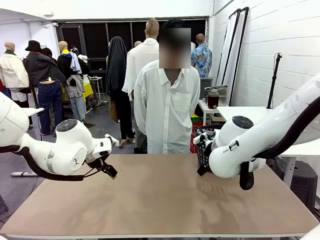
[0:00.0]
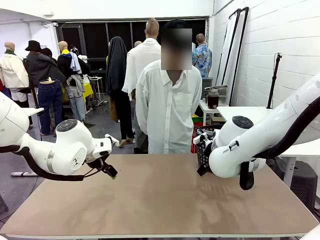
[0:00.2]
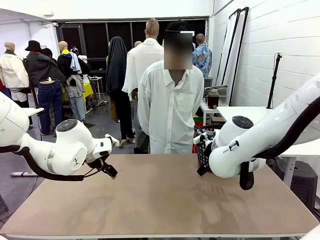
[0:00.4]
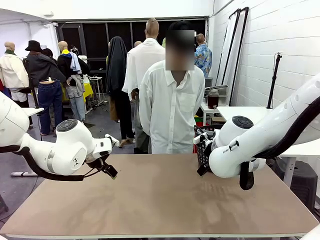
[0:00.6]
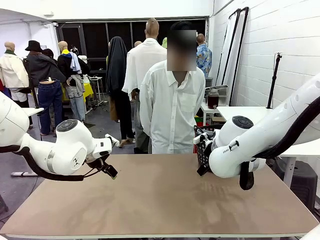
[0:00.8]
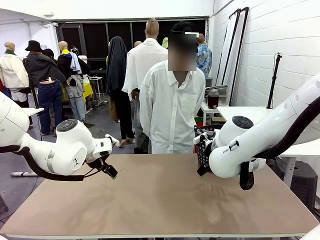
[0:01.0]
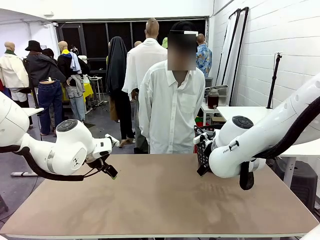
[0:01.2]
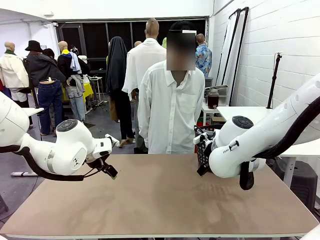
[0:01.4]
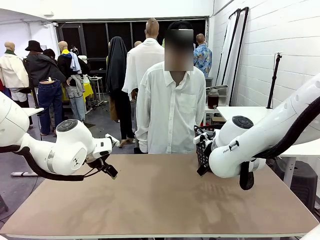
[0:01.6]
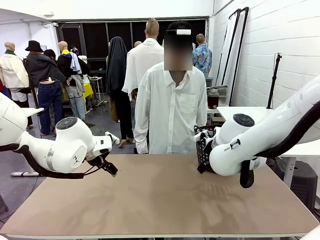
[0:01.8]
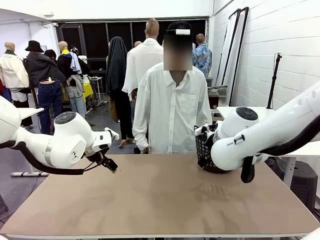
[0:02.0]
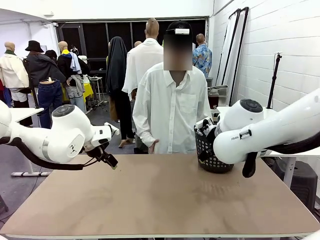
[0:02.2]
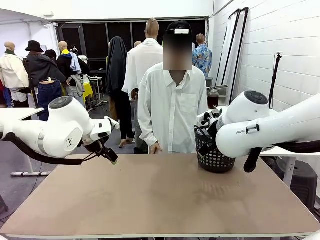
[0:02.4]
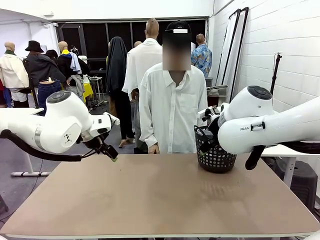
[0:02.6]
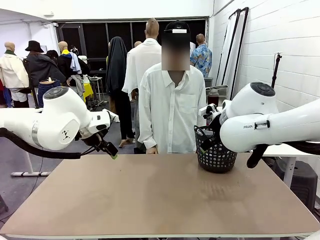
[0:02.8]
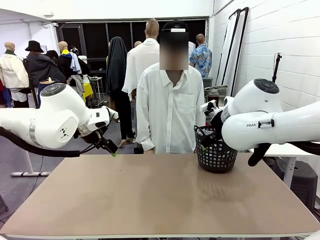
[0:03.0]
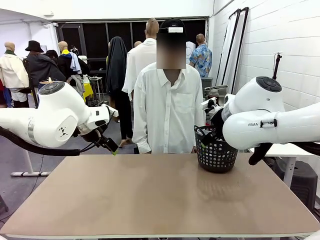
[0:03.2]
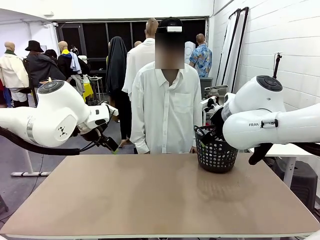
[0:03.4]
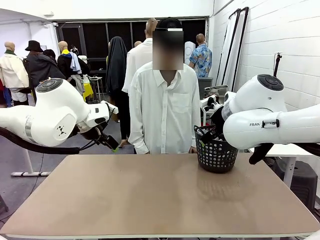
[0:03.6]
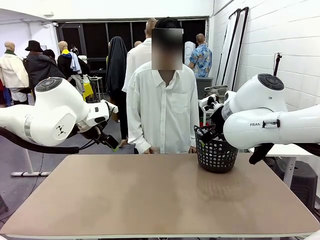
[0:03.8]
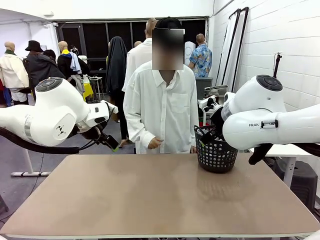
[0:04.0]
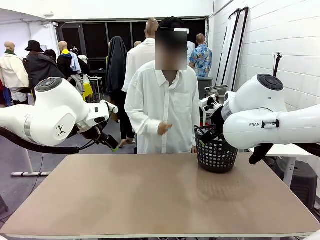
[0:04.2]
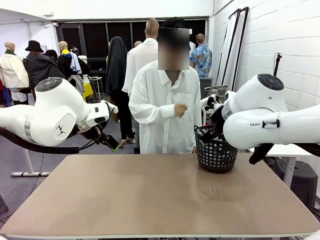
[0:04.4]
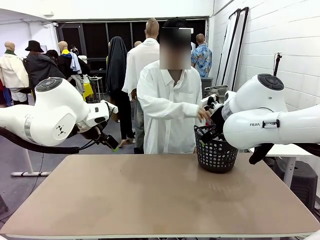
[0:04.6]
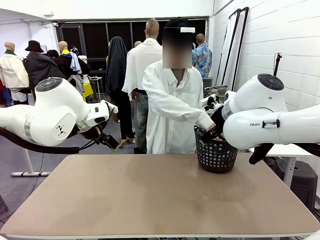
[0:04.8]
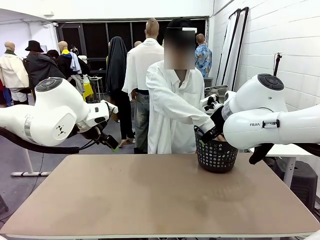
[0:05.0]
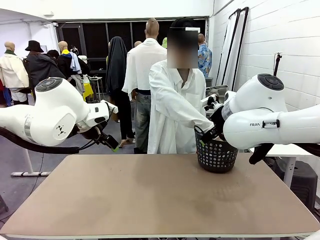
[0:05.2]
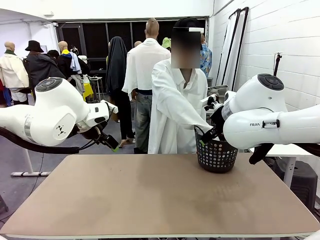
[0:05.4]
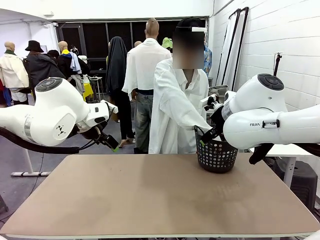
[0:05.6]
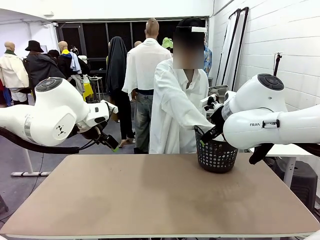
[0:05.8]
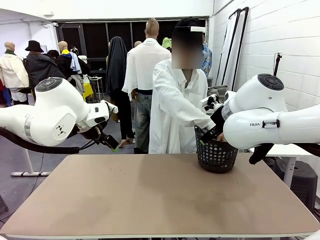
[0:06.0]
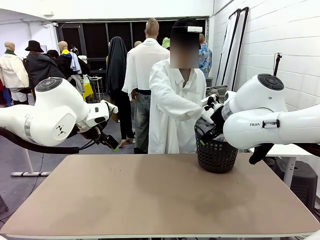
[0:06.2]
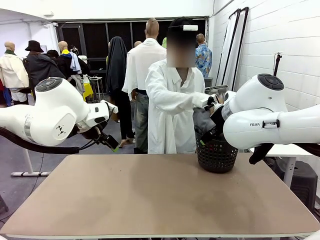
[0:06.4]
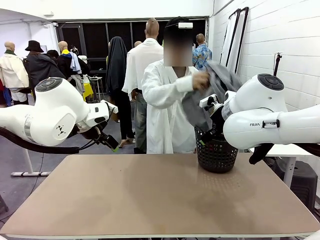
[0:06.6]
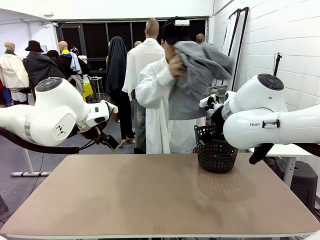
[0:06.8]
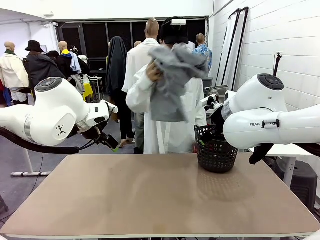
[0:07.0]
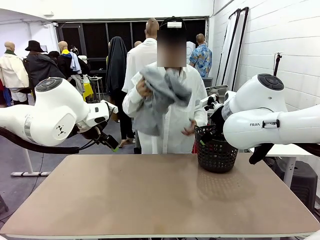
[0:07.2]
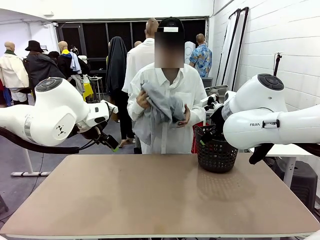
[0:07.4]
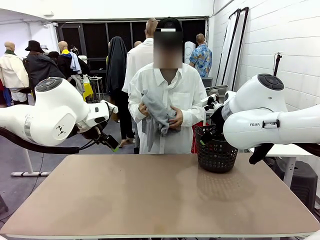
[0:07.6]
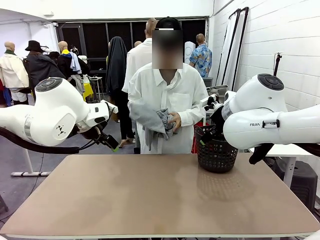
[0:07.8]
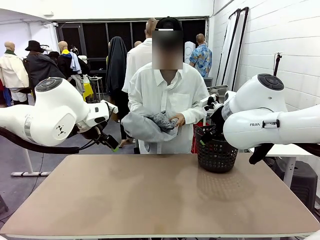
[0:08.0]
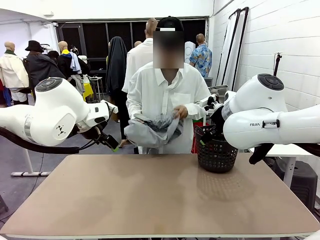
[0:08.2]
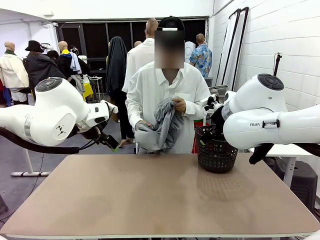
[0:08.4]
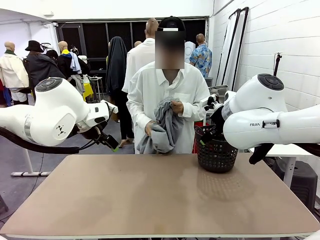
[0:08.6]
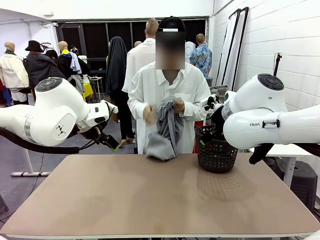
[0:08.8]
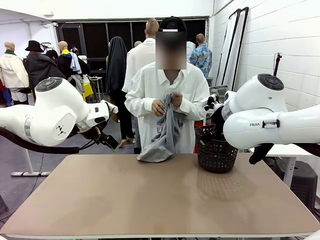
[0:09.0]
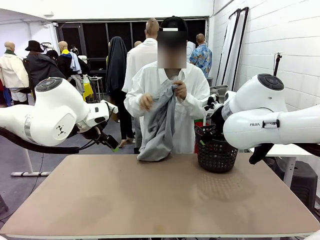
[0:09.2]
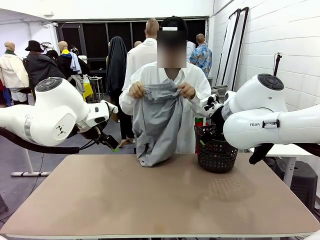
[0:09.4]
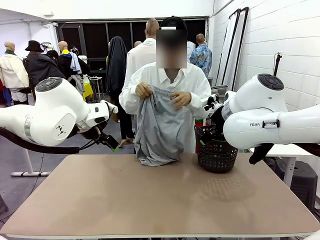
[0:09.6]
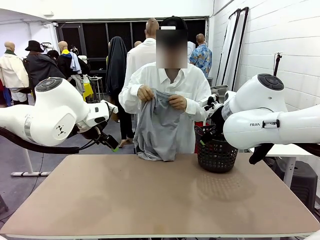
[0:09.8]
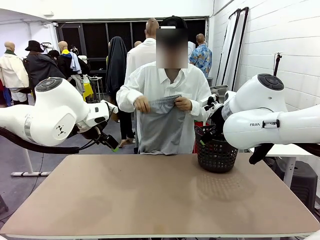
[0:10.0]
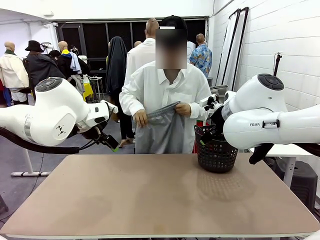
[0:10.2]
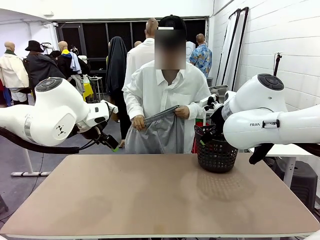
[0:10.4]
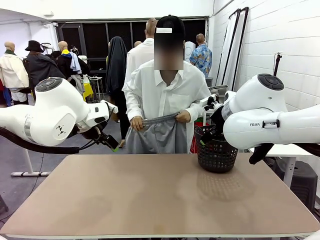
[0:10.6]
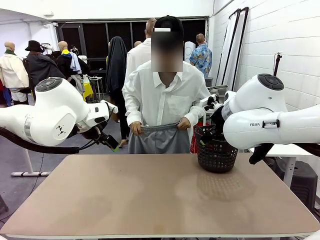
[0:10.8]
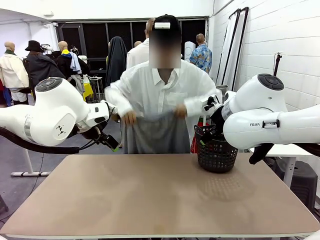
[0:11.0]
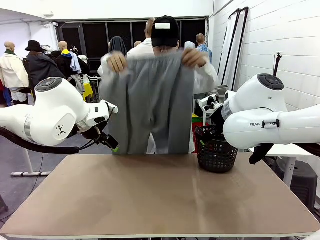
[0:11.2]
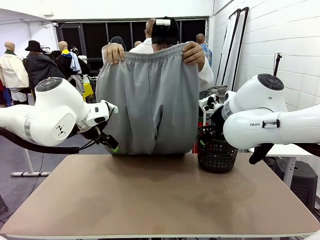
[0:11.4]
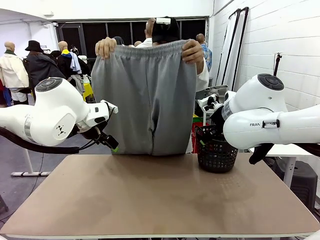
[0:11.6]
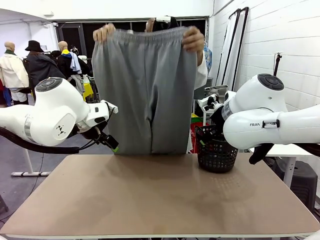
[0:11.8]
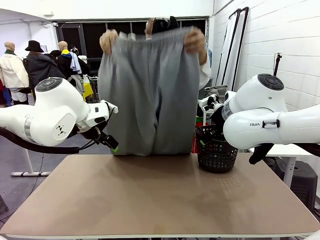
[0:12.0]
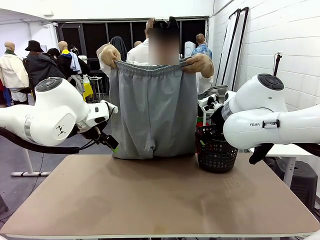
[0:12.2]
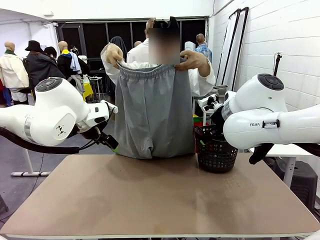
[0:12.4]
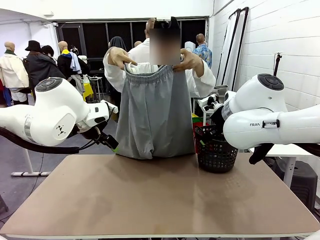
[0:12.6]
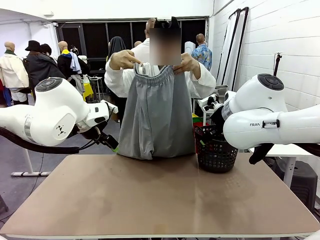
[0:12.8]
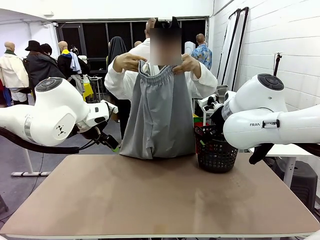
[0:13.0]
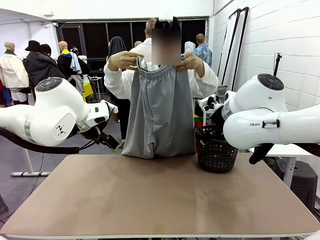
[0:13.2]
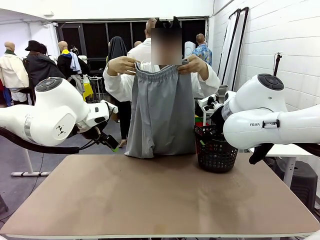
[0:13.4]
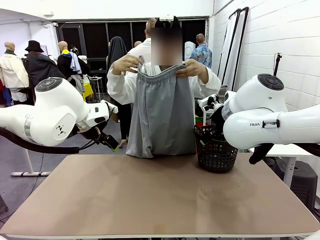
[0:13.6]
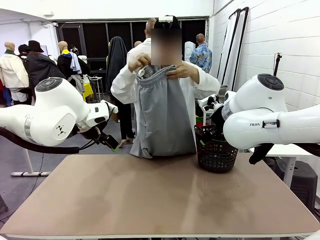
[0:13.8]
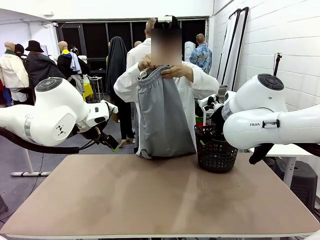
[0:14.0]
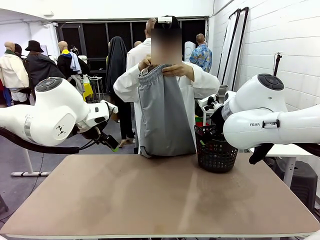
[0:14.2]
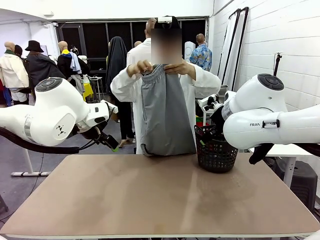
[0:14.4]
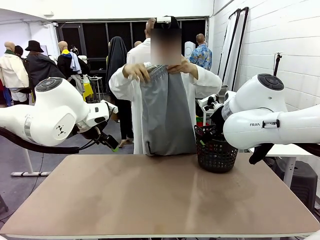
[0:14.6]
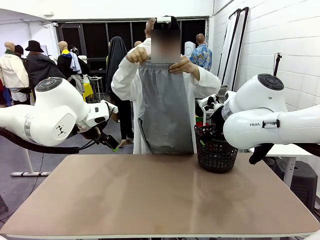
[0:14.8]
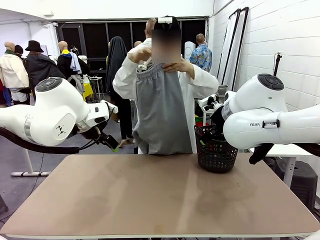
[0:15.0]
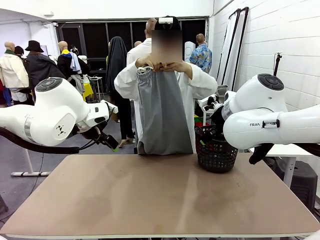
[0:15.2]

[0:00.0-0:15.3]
Task: Fold the training pants.
Robot: Grab both ends of the Training pants handed by a person.
Person: Take the long pants out of the laundry basket, unfold them, fold the waist in half, and extend them so the robot can pick up both corners.
